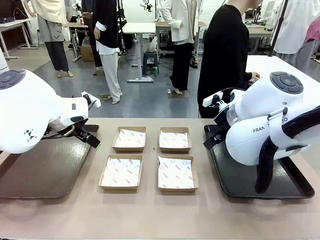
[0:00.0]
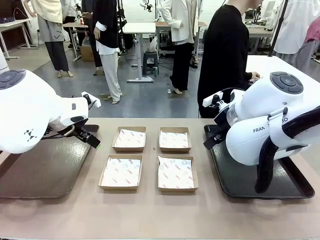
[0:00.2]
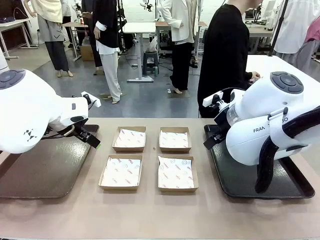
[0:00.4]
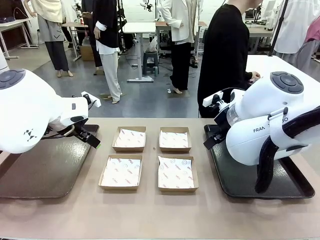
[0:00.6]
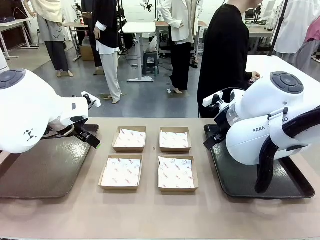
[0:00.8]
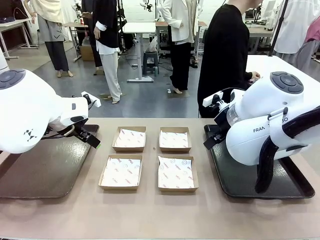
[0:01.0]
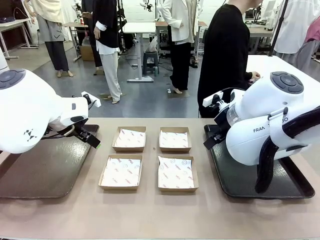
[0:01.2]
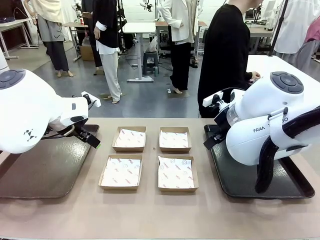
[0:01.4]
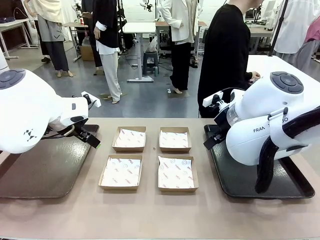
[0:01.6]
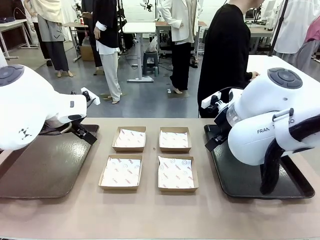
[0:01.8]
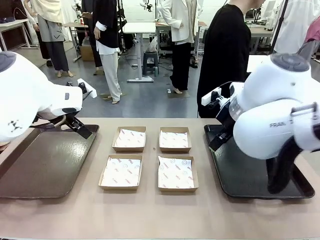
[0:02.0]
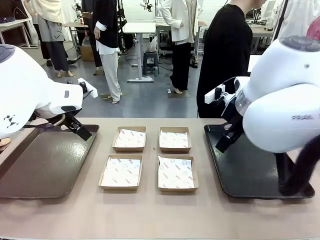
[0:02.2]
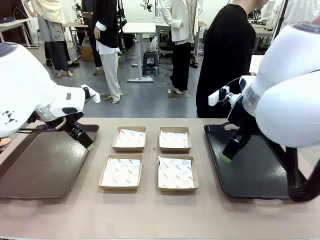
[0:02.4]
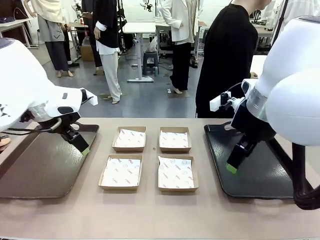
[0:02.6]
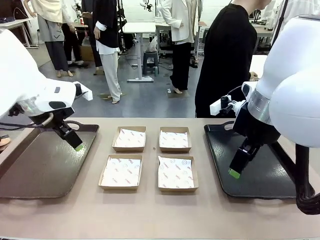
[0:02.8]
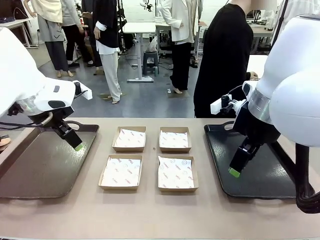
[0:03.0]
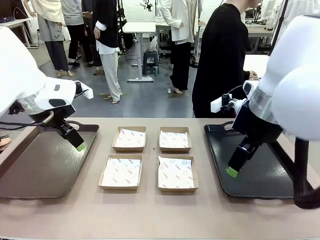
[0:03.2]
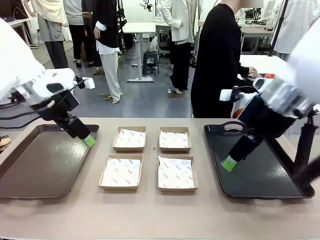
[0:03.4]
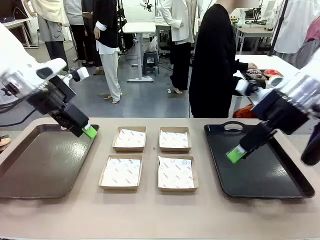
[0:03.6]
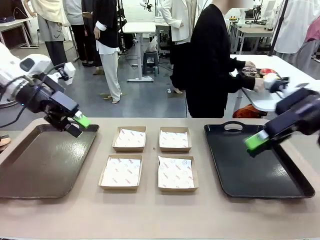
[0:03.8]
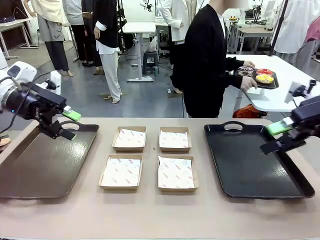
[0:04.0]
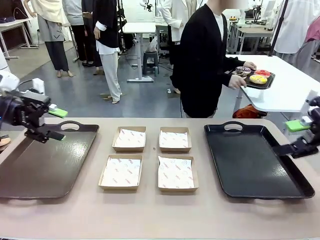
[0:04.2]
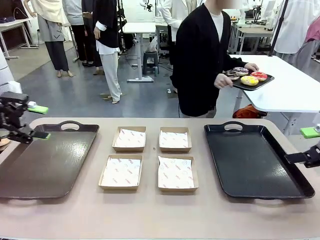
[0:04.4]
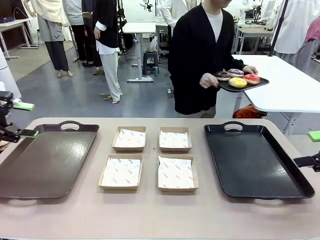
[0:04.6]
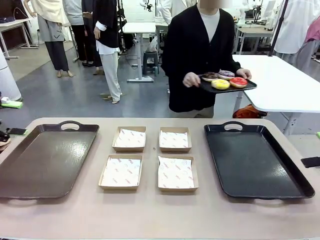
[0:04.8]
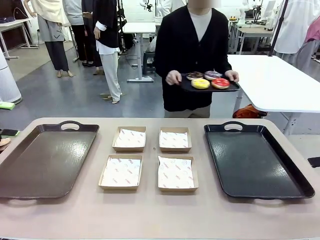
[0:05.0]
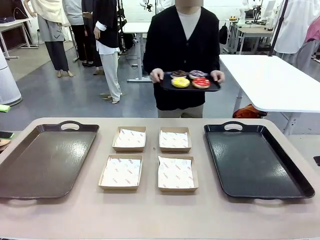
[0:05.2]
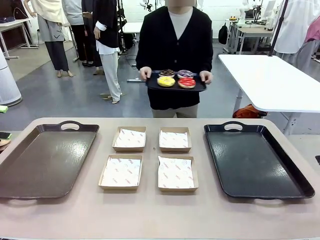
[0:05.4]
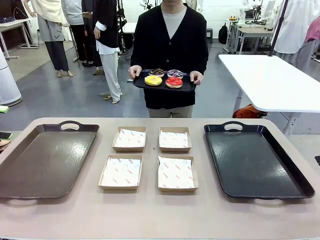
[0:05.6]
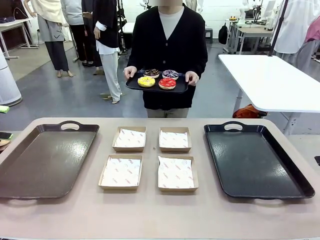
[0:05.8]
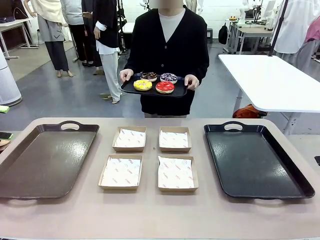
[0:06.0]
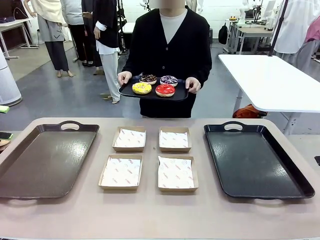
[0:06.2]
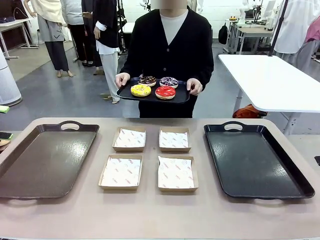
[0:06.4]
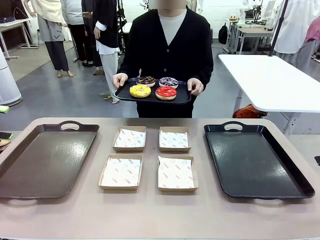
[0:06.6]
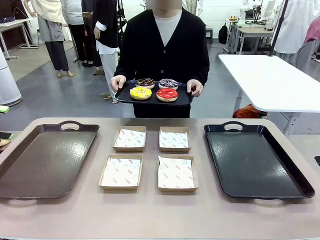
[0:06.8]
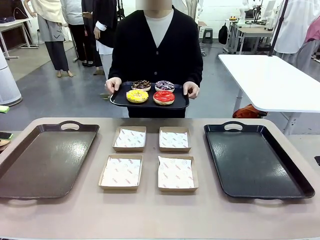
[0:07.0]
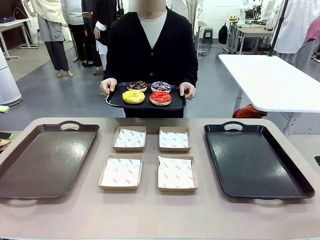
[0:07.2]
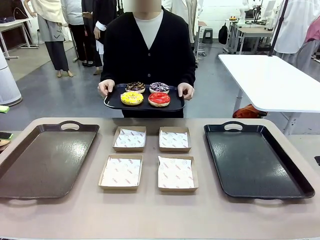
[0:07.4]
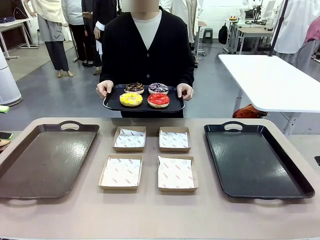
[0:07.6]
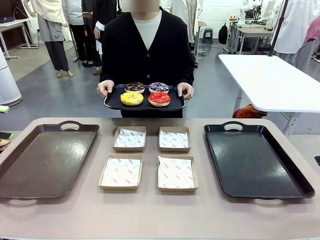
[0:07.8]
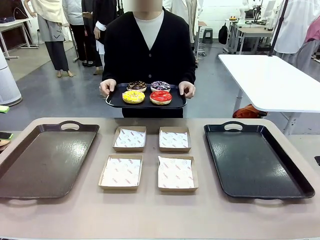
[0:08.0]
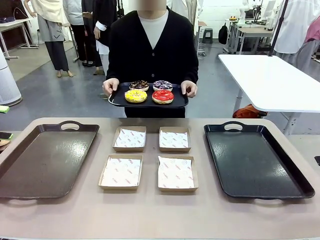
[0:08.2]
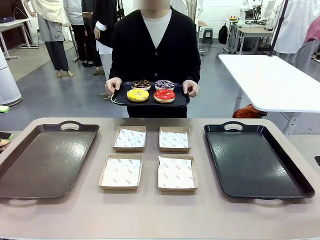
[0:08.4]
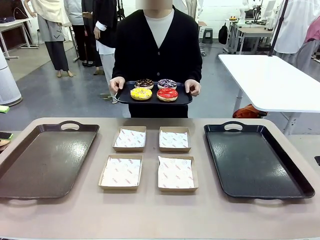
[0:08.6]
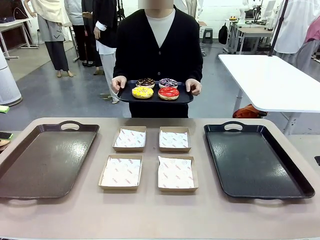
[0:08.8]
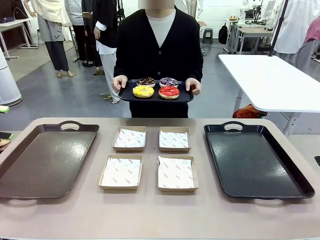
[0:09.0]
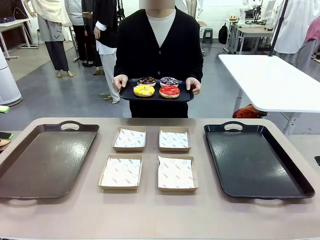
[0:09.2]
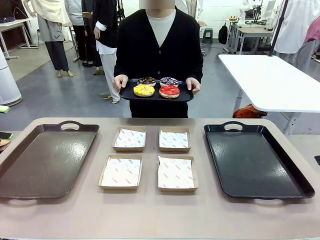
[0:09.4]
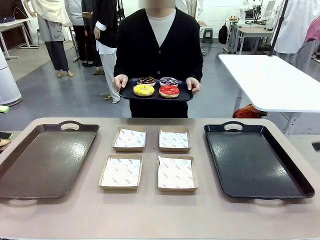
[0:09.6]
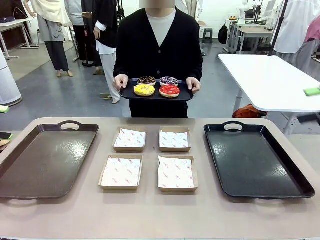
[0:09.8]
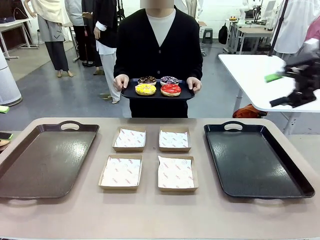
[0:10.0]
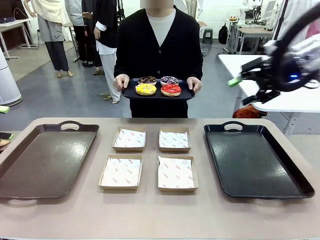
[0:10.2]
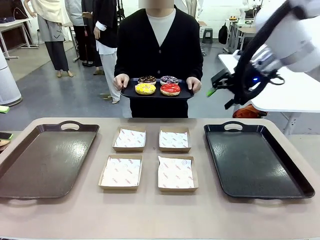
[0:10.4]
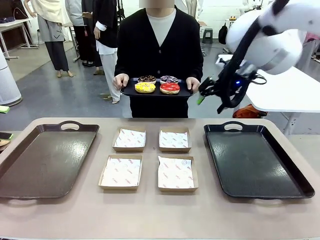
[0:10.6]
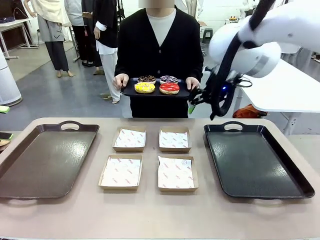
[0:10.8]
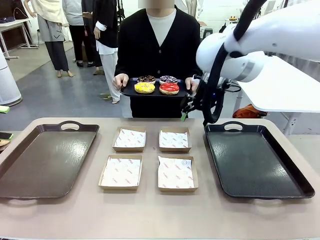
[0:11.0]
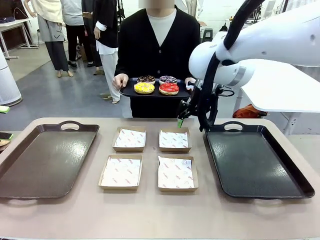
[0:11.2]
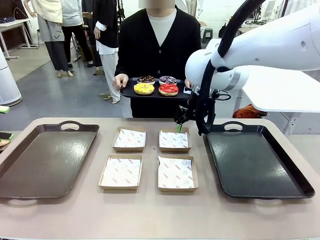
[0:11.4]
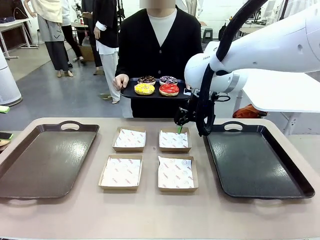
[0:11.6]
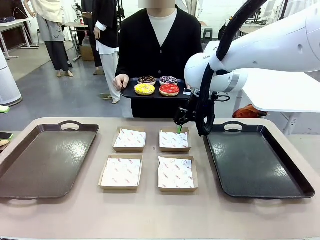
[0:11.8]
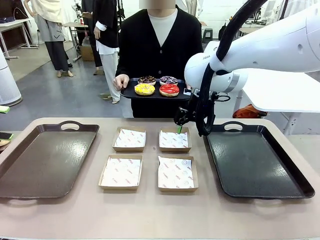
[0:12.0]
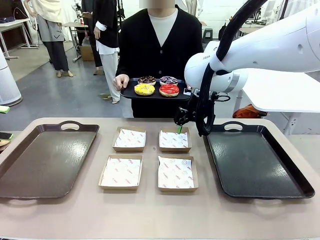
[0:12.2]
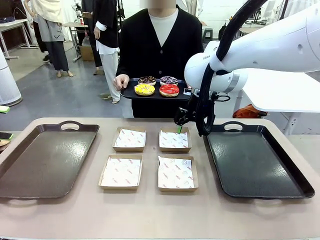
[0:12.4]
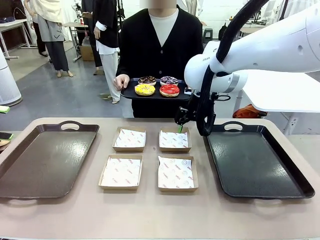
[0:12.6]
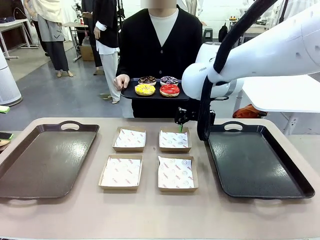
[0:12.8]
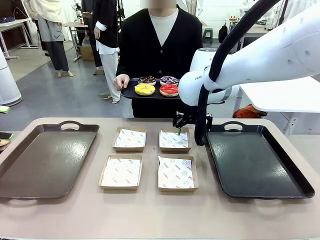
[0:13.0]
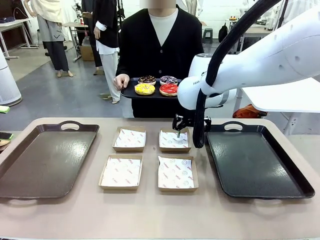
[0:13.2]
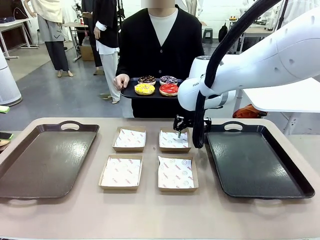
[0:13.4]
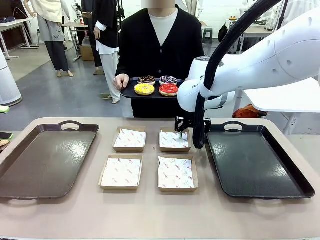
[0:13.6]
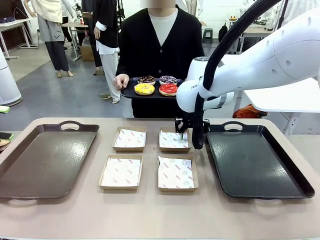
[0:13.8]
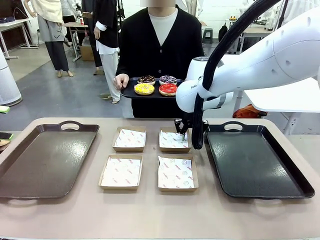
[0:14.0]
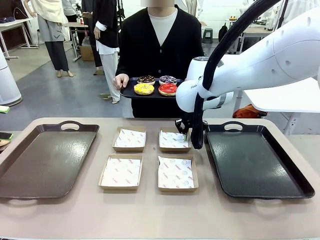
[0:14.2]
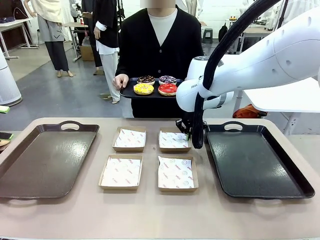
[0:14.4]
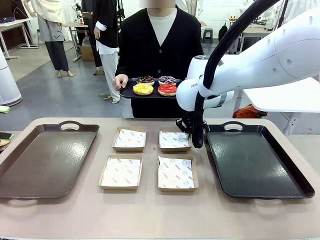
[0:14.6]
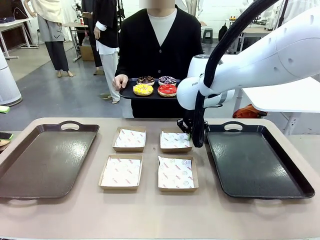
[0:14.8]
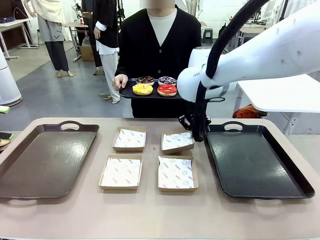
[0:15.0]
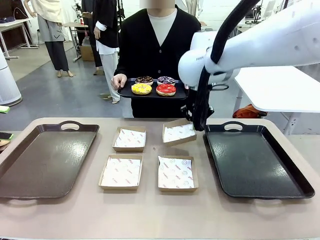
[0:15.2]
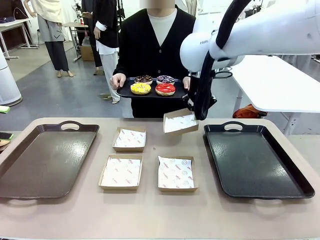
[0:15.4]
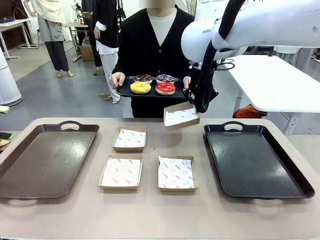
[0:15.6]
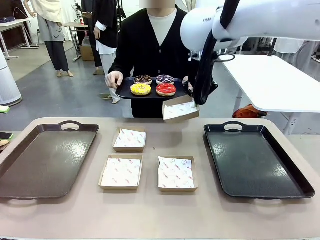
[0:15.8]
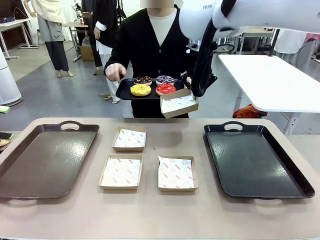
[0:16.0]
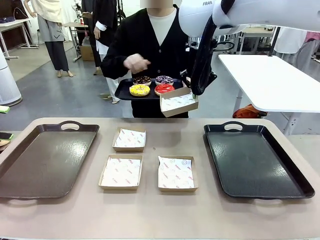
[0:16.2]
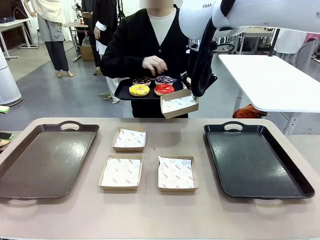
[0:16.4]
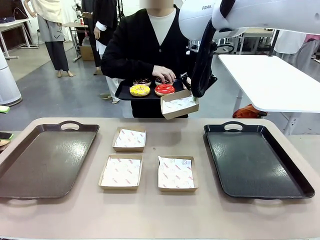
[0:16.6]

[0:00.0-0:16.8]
Task: Individually package the donuts and arrange them on the tray.
Robot: Pick up one Paper togo box.
Person: Stand in front of the robot table holding the tray containing the donuts.
